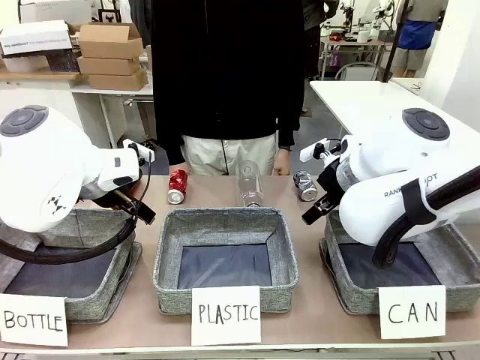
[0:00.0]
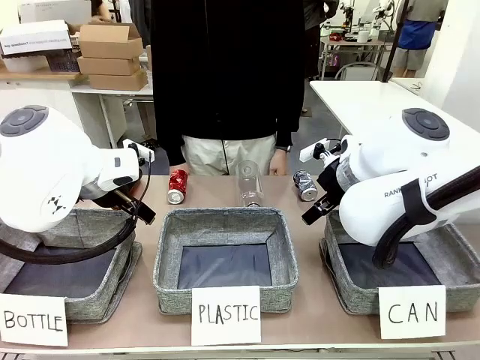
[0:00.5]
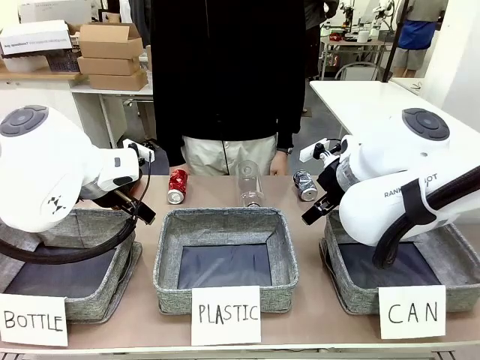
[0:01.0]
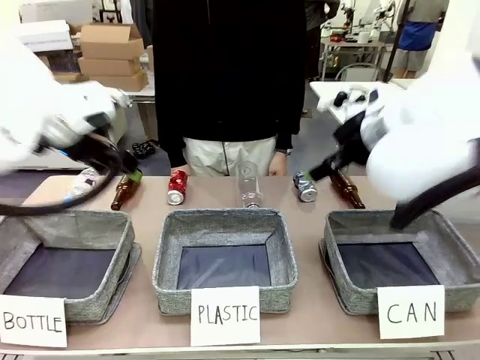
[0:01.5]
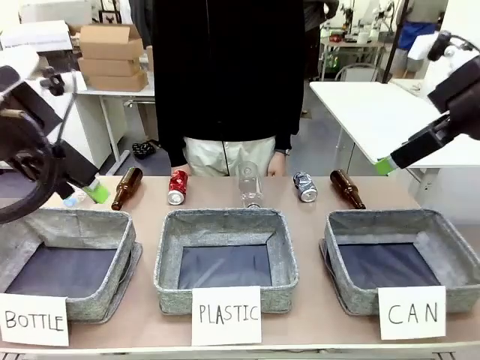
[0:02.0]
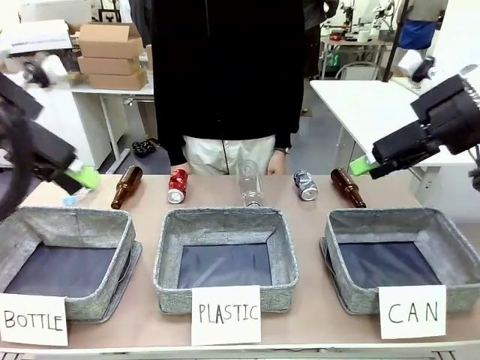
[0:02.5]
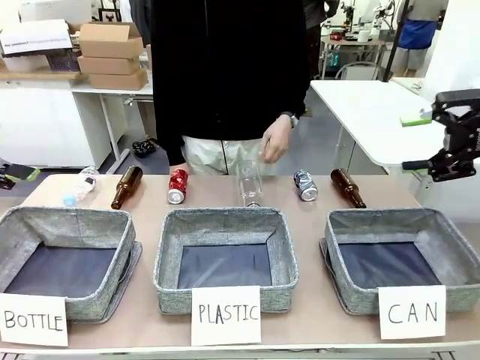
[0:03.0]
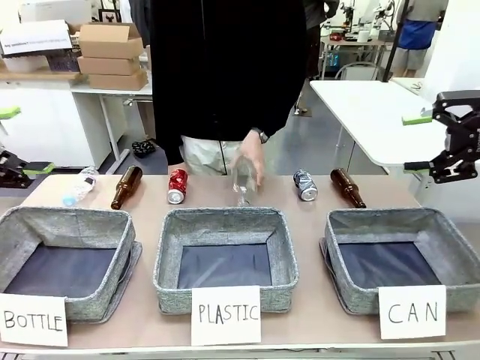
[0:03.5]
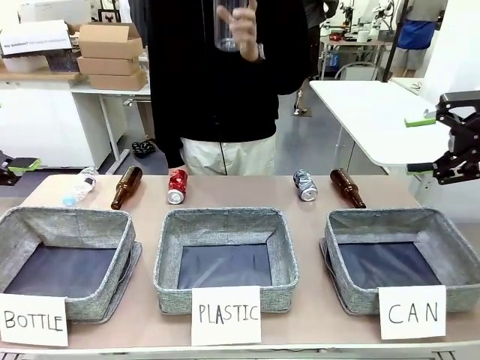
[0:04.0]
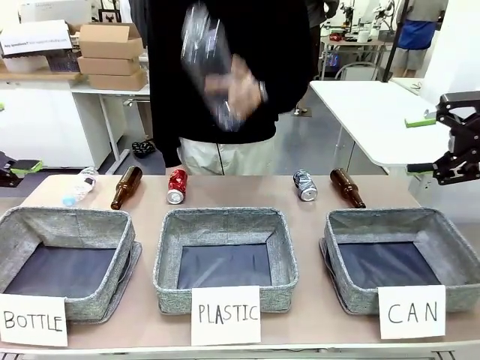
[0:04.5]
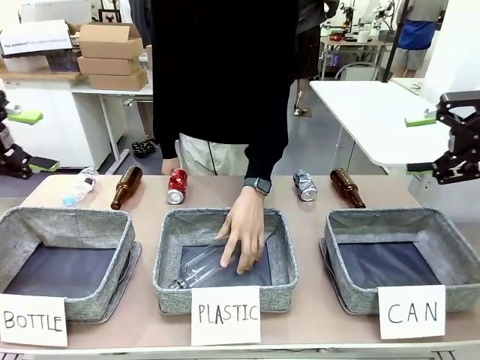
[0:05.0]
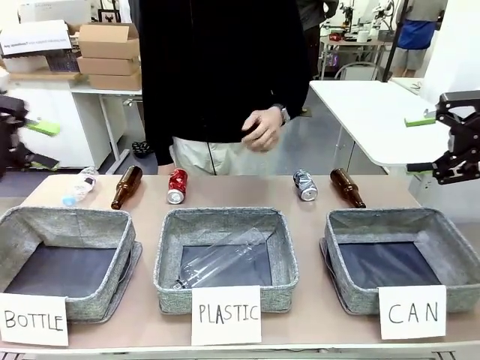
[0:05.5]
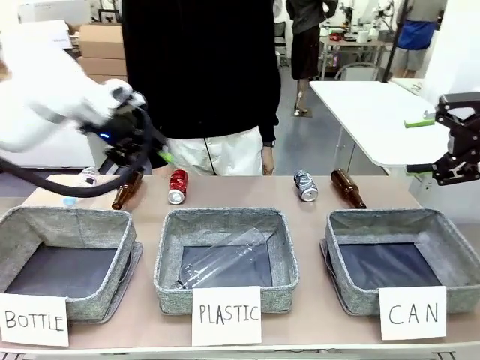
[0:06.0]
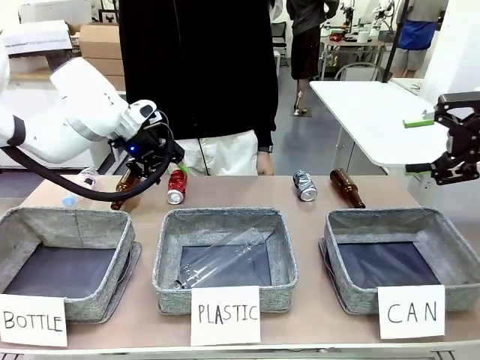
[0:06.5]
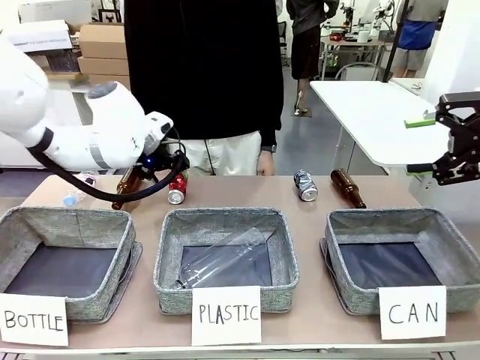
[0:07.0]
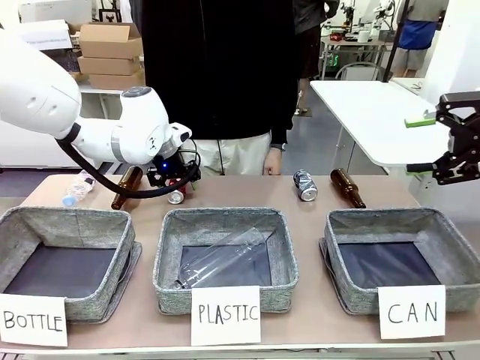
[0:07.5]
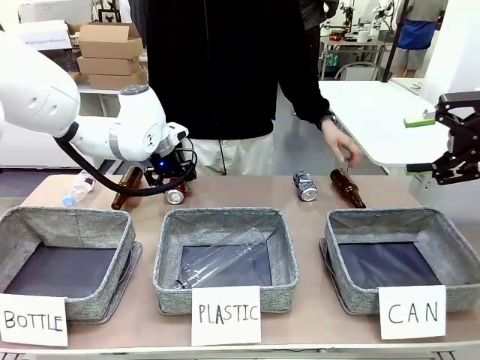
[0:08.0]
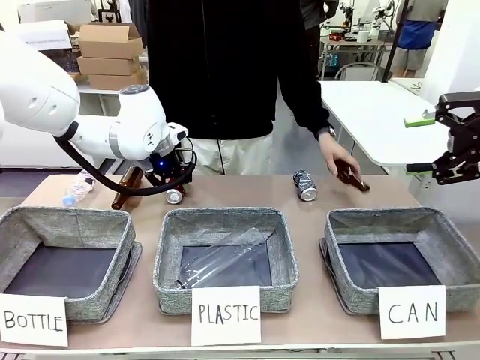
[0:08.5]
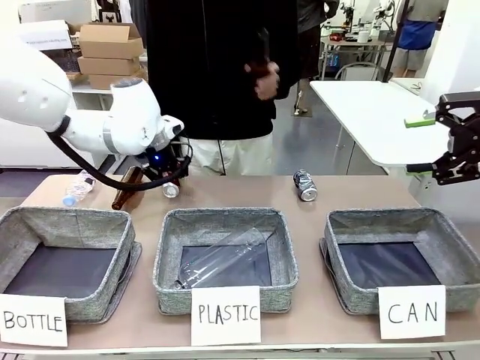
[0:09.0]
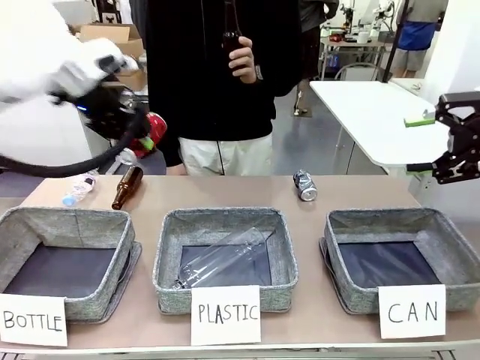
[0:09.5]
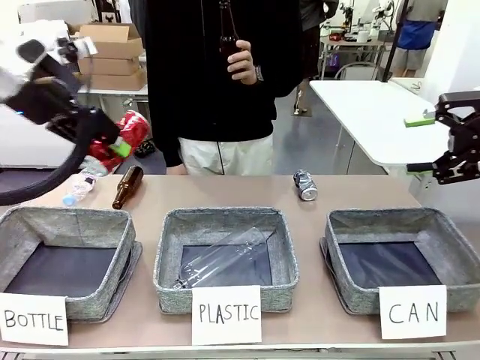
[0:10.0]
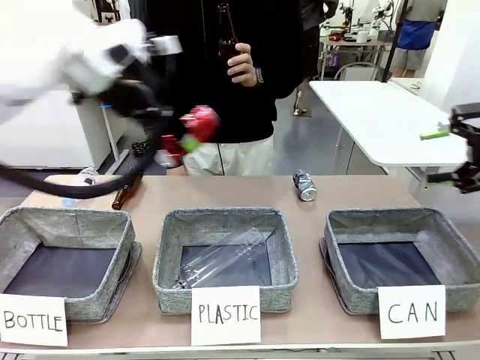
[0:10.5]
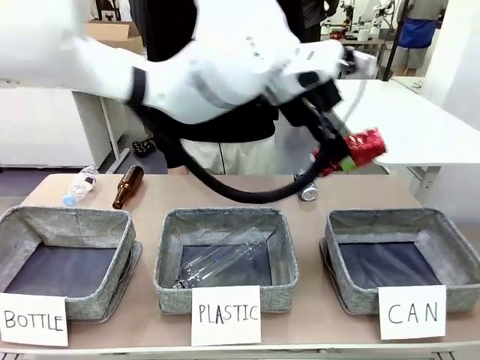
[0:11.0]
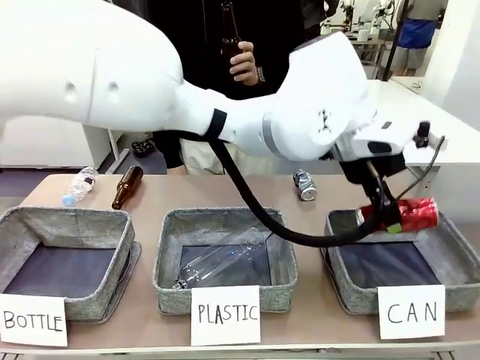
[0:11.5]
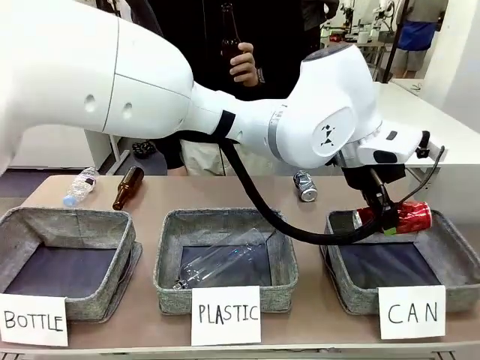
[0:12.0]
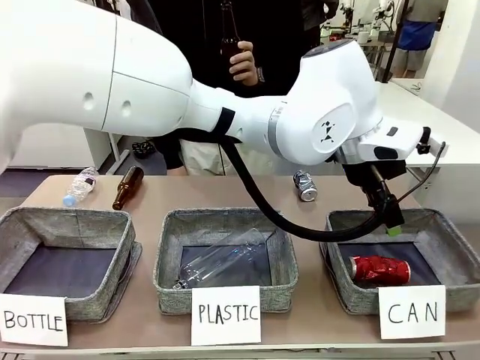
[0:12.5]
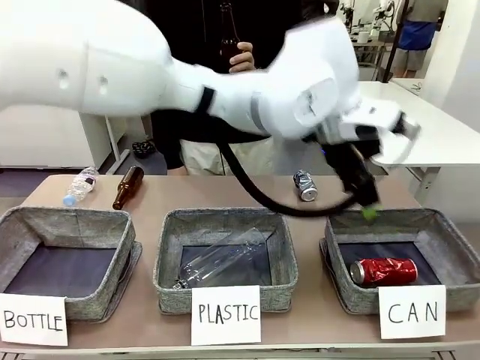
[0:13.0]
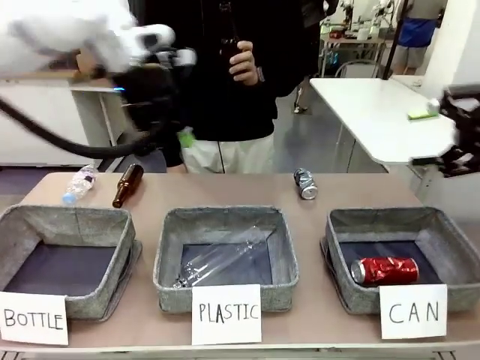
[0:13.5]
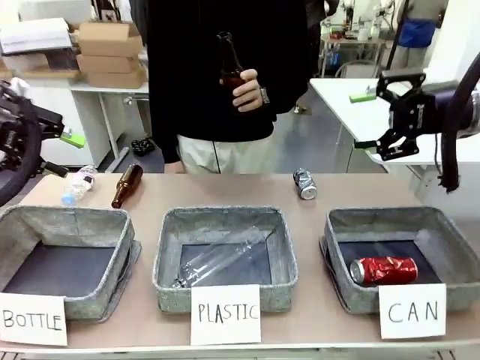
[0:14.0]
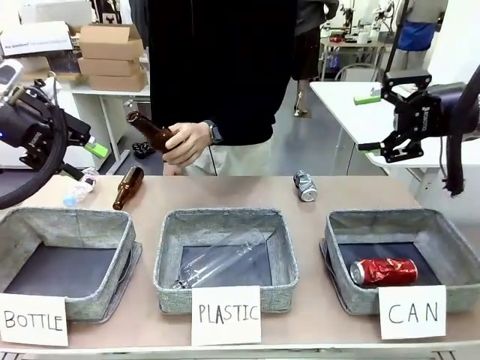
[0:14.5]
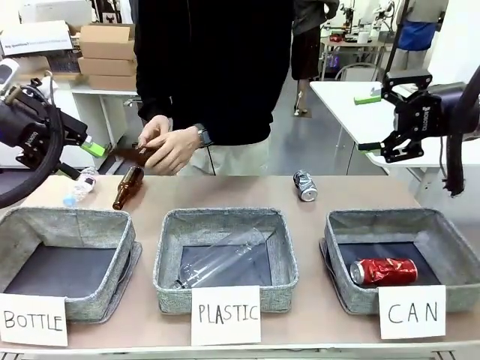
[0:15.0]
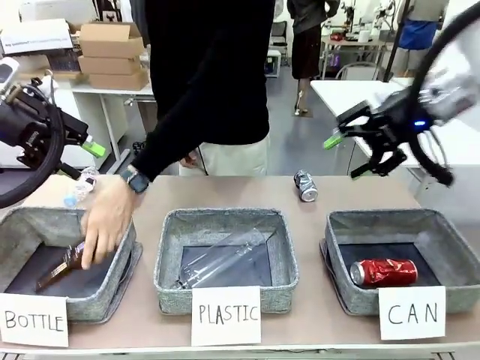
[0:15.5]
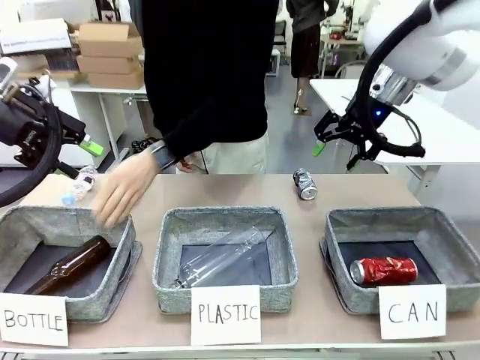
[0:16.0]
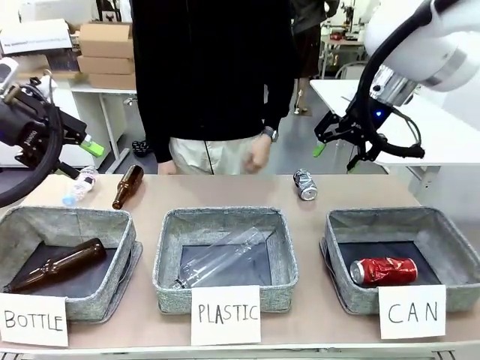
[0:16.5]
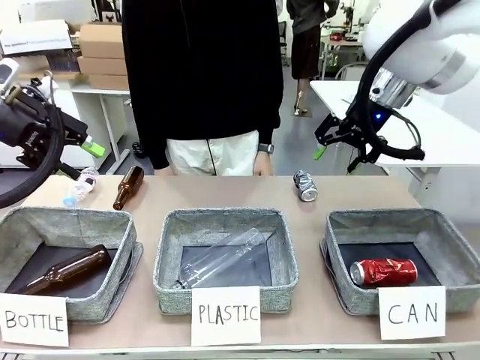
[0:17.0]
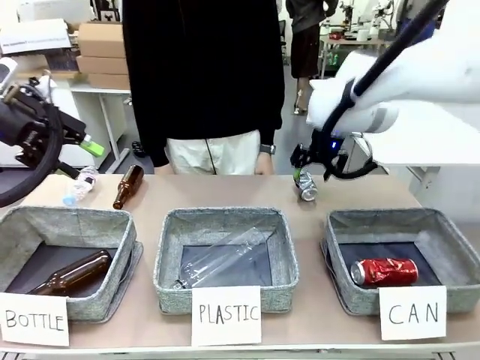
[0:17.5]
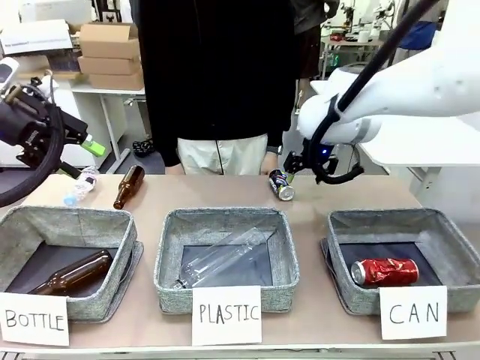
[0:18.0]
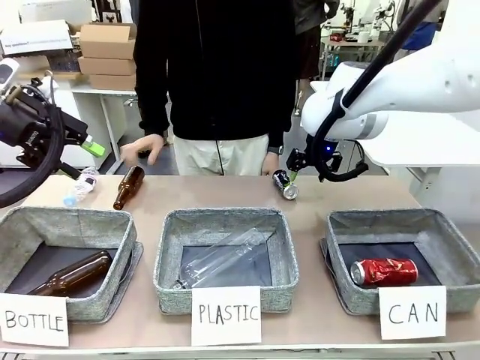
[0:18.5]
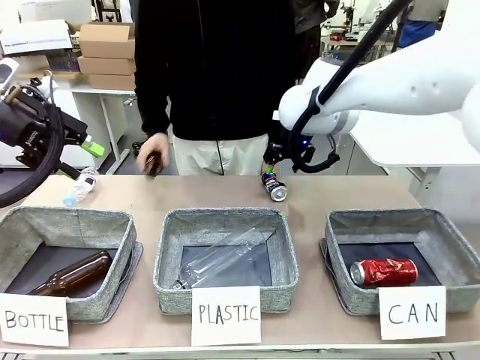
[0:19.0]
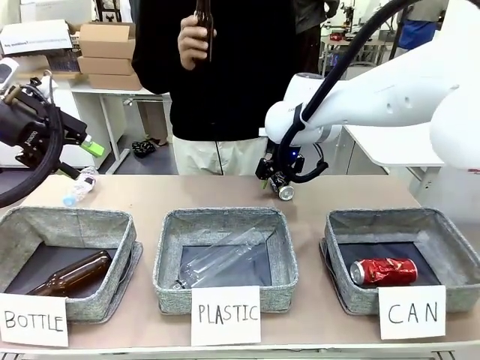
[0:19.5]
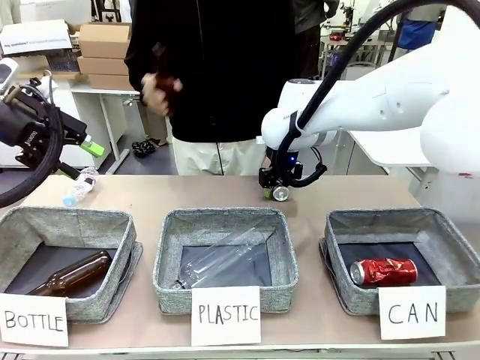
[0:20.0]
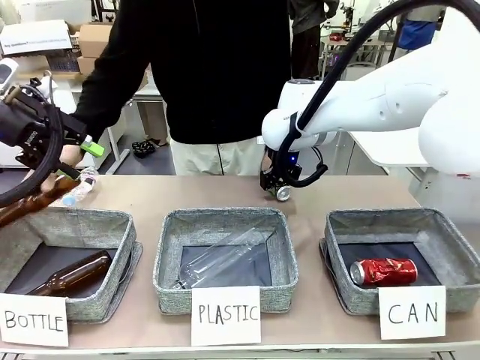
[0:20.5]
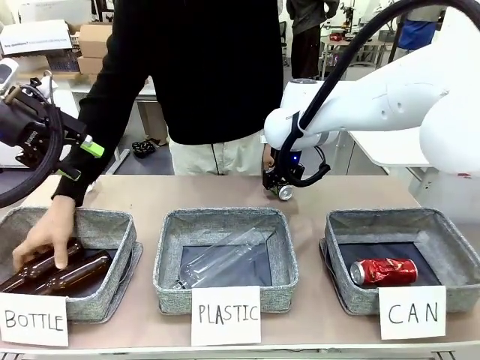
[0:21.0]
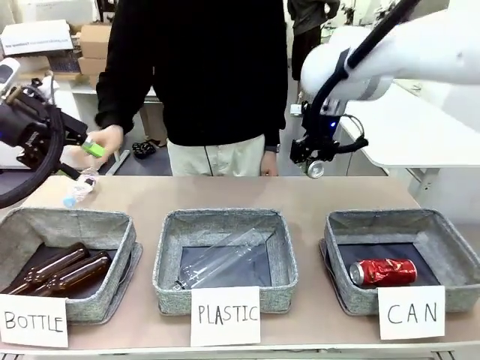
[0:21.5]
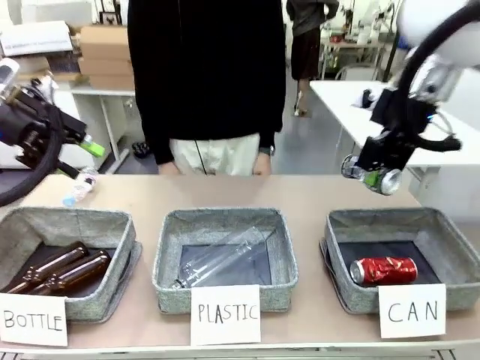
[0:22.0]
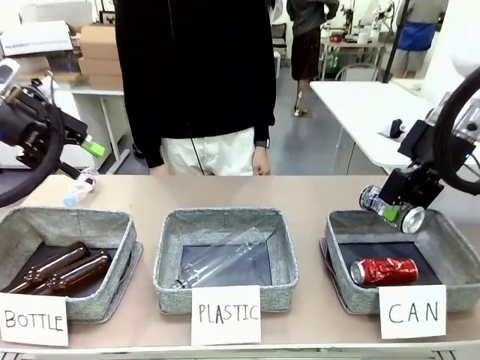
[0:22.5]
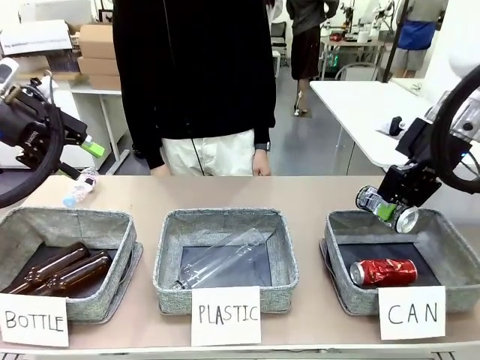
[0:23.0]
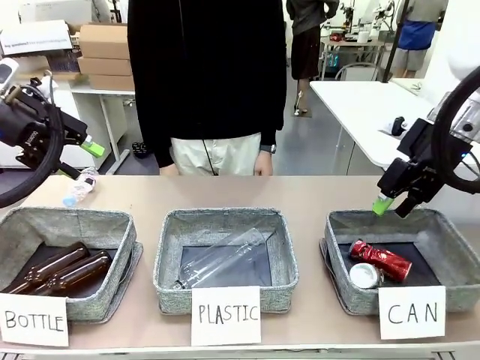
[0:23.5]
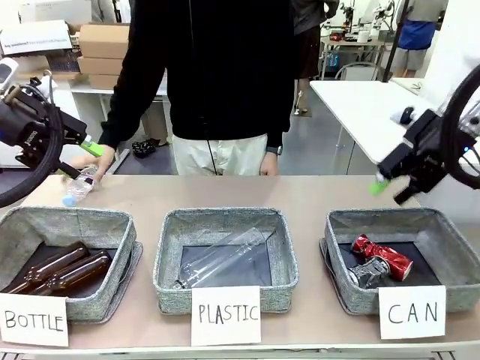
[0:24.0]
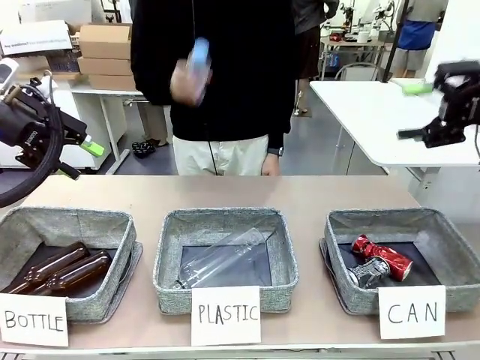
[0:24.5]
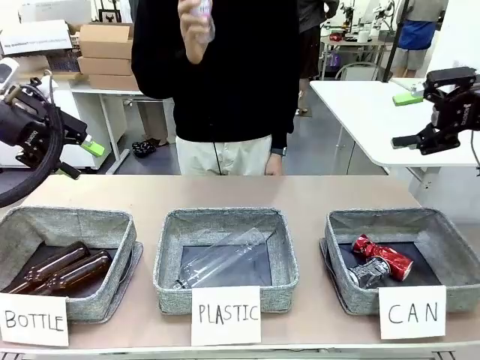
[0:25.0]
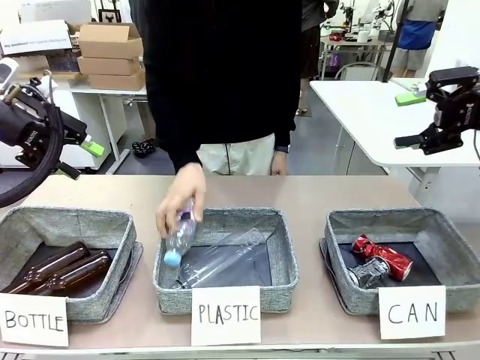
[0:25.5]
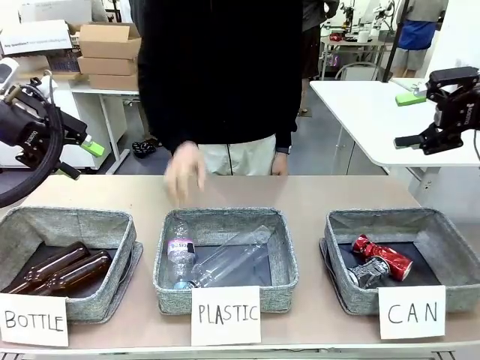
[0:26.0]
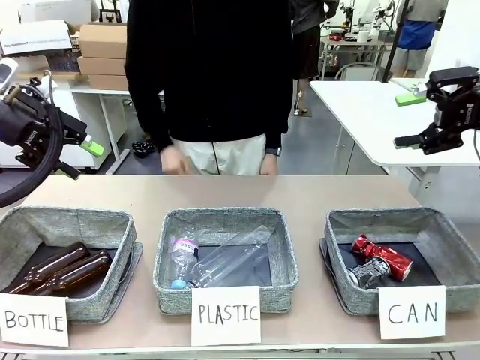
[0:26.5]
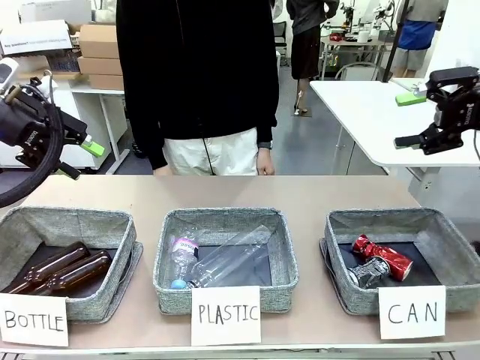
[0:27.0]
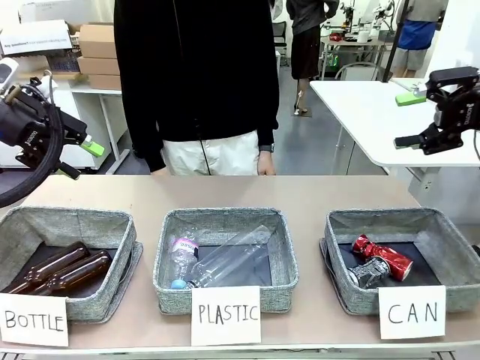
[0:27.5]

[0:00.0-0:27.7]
Task: Sort the can waste into the basket.
Robot: Pick up the can waste from the table and place it in the right Fabric basket.
Person: The human picks up one piece of trash that is not a can and places the trash into the appropriate organizing basket.
